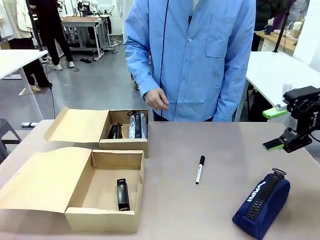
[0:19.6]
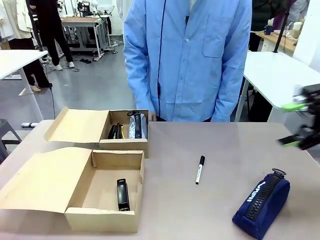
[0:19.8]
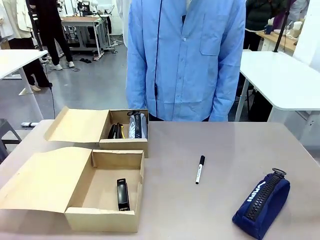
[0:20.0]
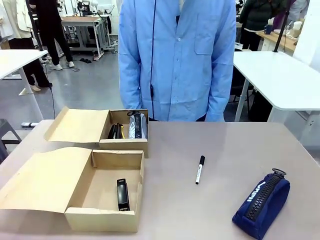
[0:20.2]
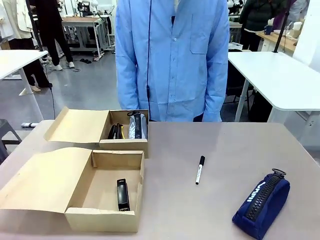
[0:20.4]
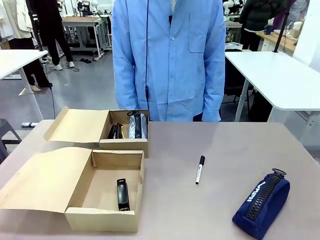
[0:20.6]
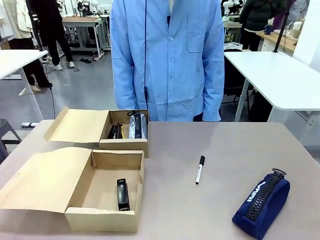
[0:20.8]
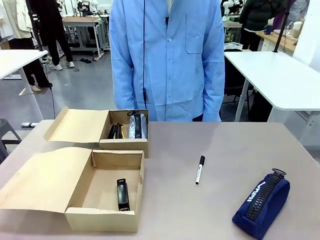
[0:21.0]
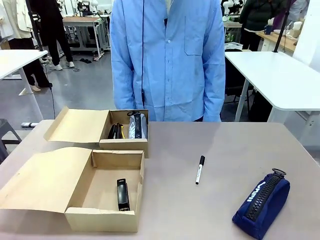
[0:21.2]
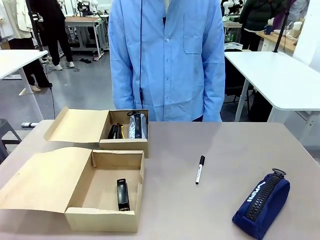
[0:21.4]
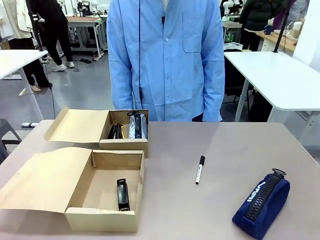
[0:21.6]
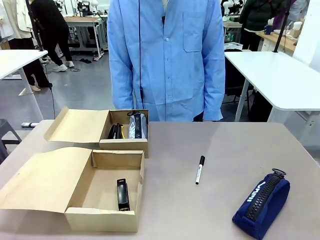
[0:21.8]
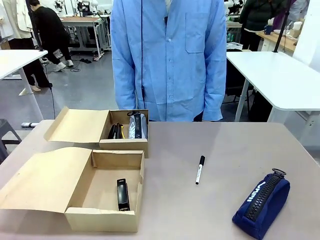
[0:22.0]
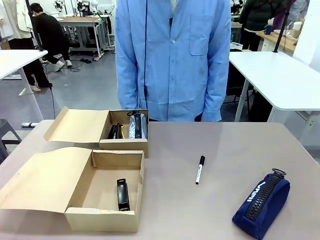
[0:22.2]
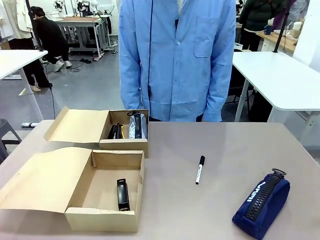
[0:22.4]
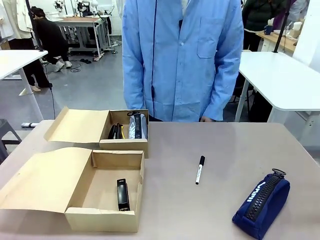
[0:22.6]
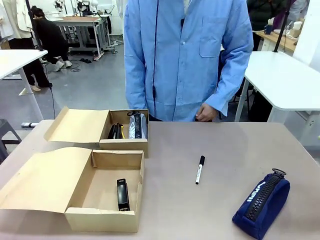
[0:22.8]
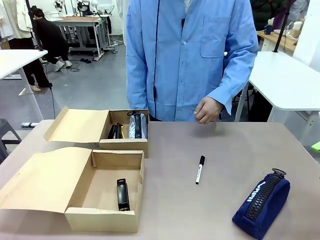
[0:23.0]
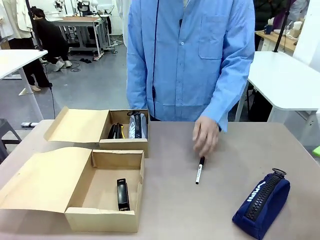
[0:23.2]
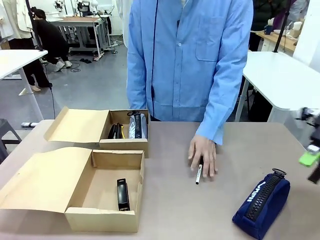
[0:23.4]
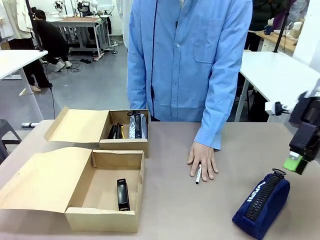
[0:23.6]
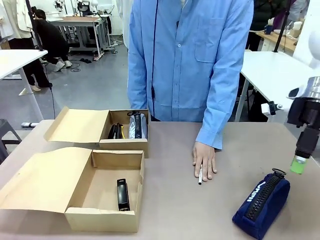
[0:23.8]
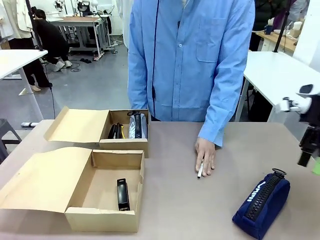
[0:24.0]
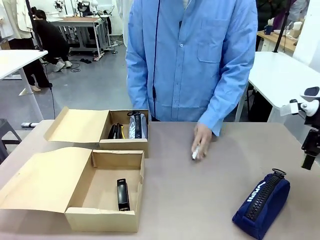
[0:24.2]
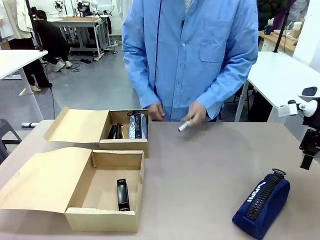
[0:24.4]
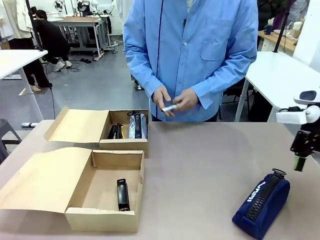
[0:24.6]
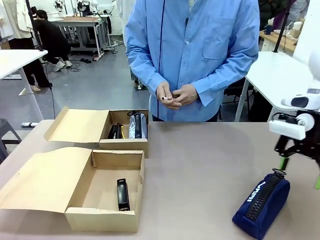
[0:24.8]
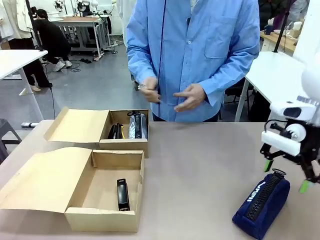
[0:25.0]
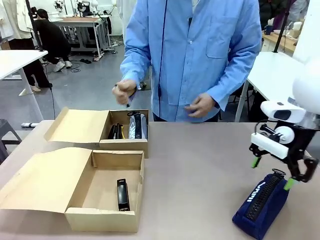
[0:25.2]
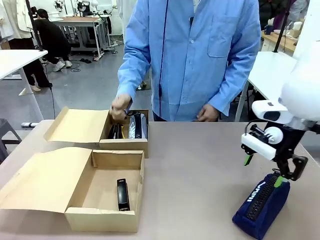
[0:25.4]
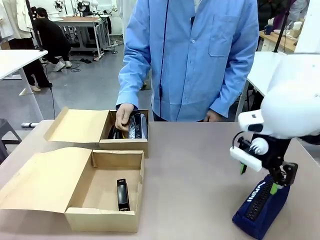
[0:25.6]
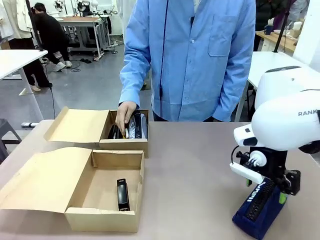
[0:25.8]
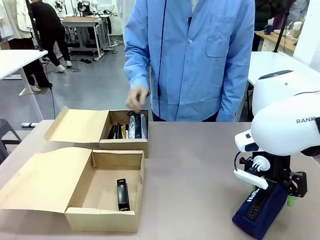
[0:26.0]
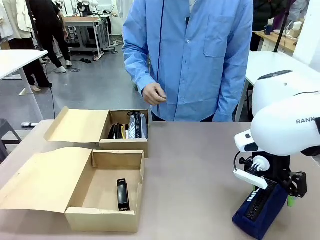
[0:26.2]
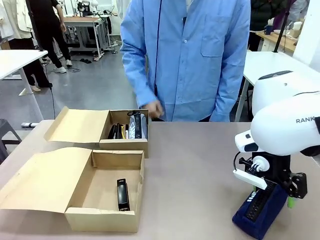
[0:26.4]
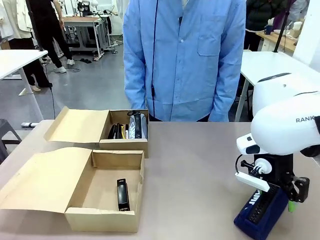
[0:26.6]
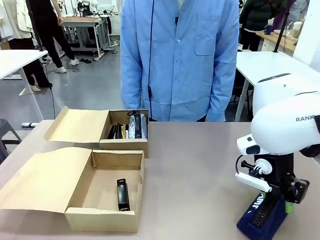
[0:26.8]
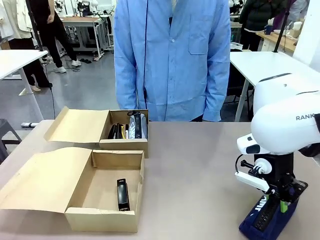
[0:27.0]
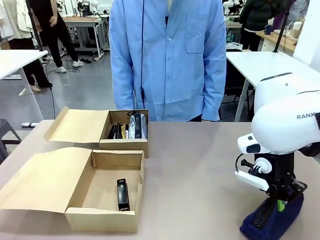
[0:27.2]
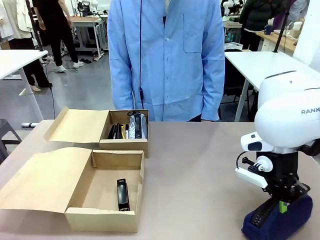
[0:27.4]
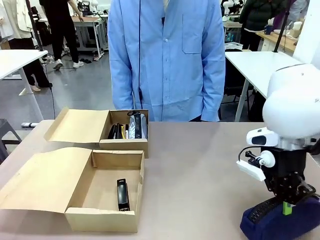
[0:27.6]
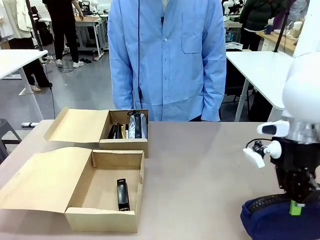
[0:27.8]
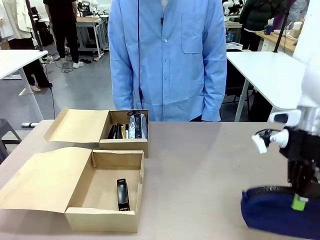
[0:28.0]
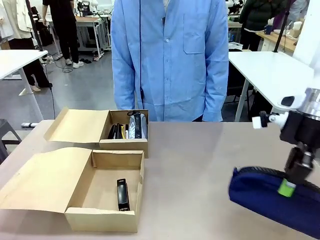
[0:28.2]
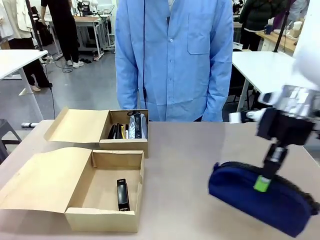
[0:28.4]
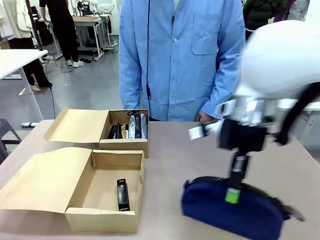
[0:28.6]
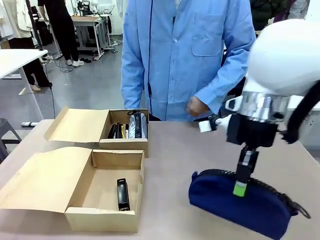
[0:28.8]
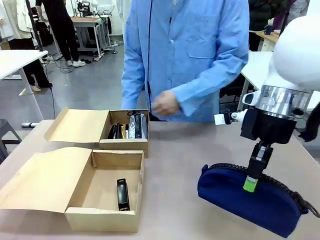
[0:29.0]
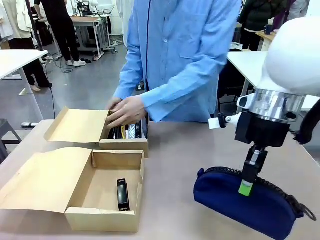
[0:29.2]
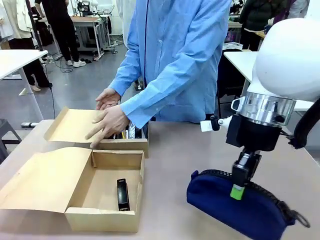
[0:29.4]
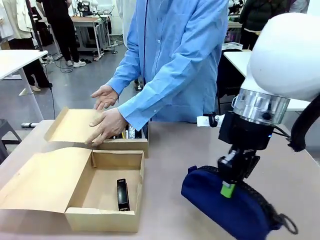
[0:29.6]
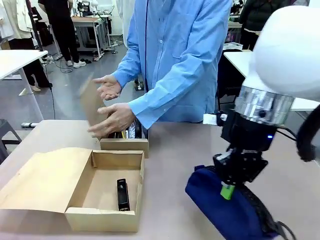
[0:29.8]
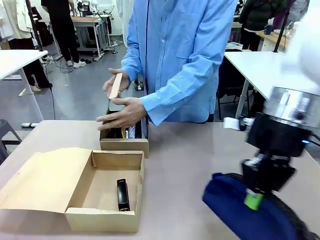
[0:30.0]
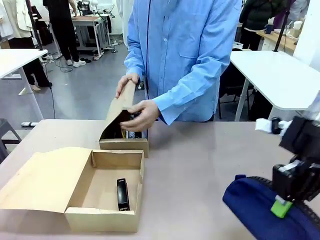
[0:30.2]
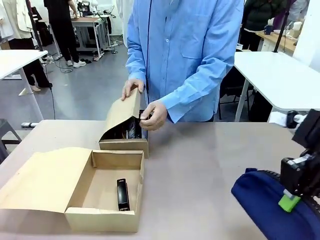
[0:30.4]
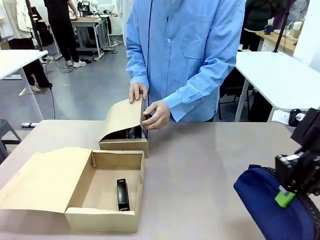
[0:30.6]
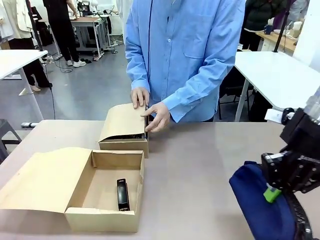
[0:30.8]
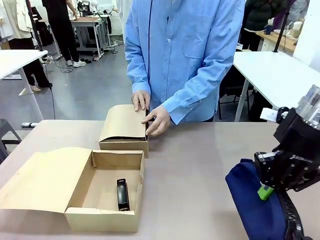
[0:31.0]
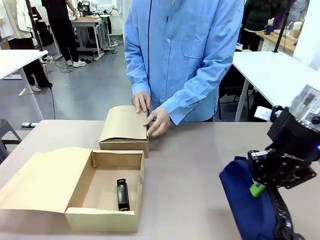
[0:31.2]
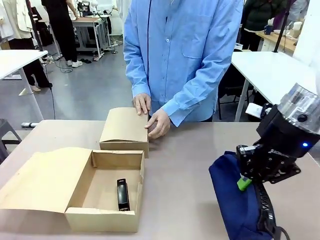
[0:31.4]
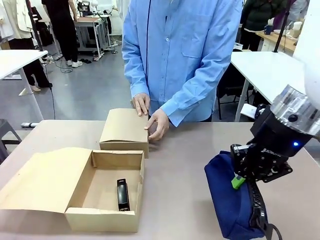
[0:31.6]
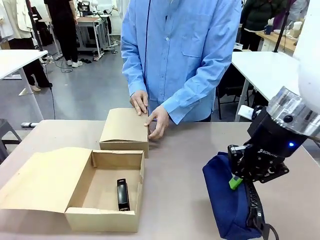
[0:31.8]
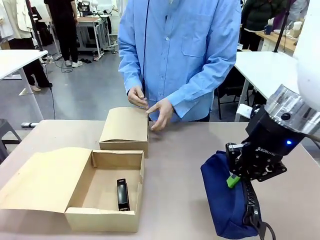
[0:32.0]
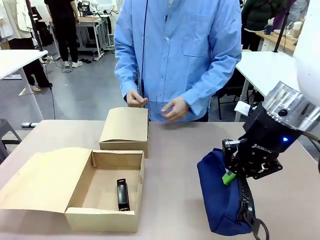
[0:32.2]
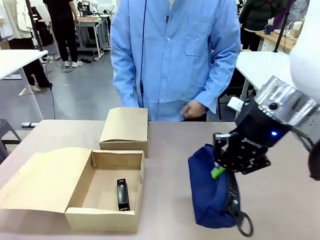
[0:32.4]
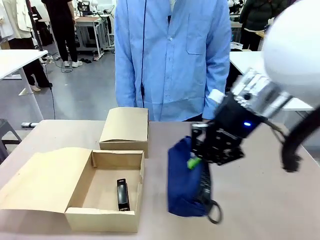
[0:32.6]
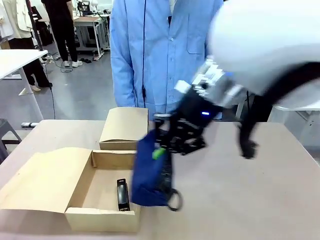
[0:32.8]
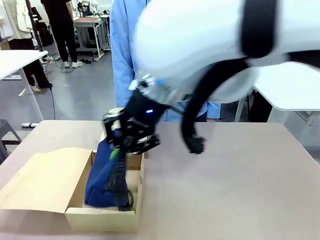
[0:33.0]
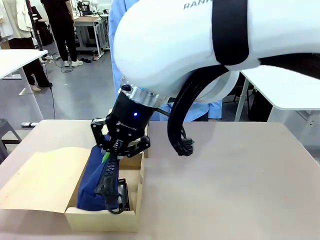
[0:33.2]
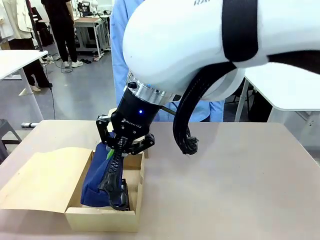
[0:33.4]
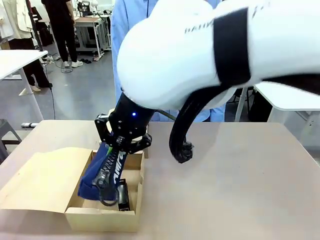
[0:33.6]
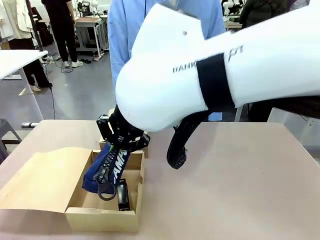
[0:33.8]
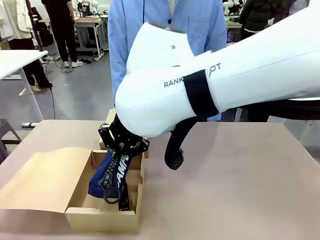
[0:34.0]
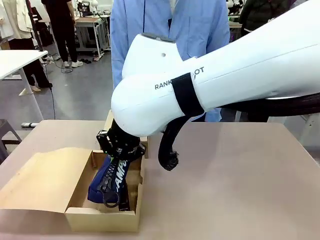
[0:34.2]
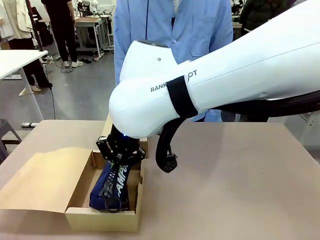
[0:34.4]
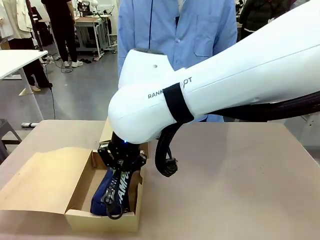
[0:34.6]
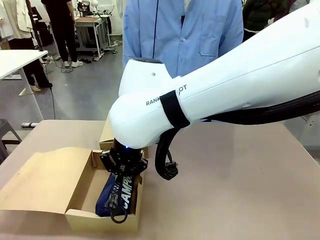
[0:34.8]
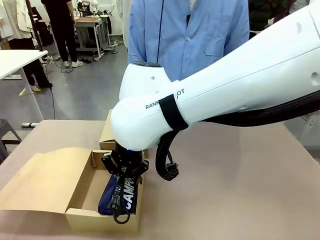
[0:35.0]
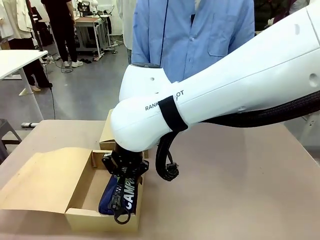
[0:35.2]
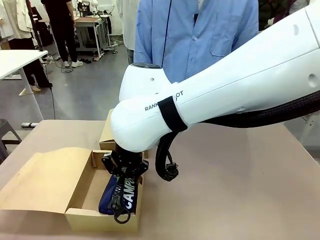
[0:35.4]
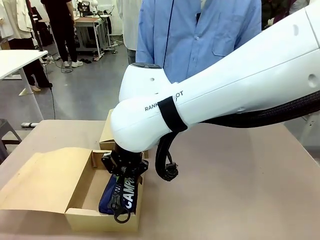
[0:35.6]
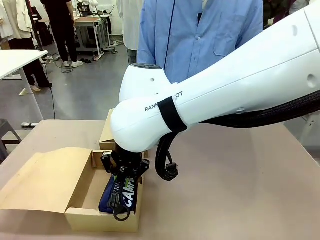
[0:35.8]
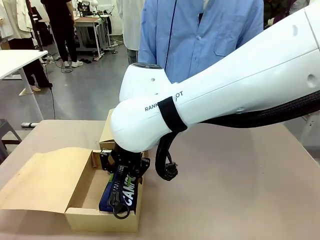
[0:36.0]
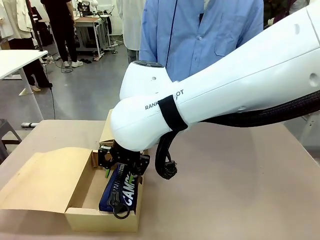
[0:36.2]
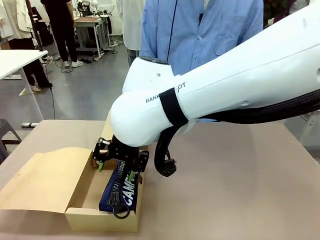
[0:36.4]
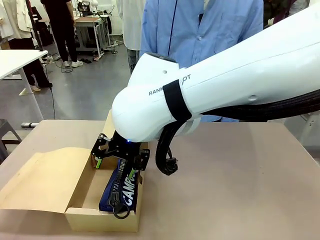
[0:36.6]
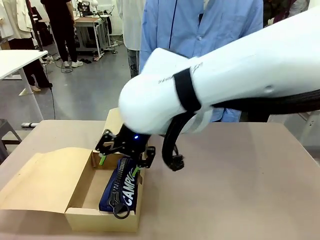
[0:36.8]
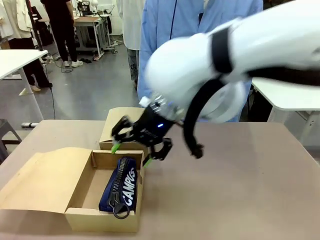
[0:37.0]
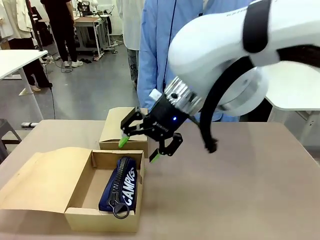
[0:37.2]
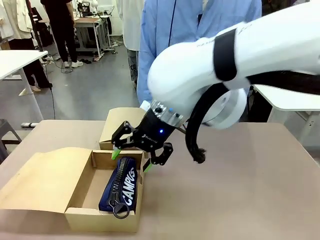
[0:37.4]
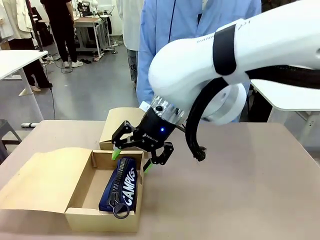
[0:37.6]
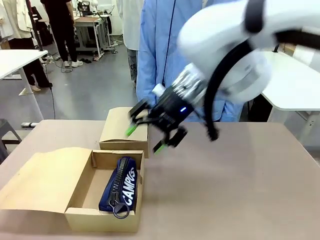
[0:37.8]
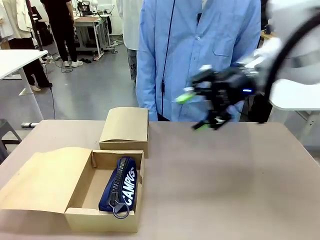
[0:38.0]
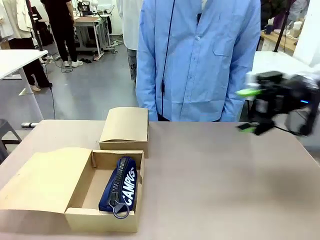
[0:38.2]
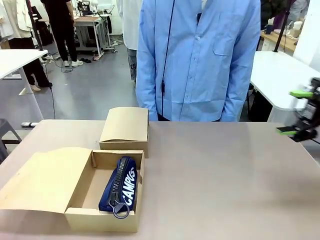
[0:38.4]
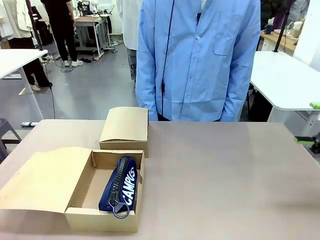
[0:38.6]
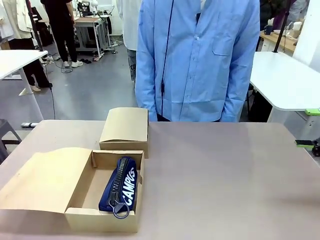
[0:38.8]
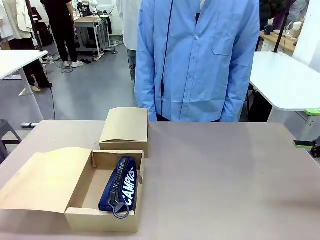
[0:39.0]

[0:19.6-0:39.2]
Task: Place items inside the box.
Robot: Pick up a Pencil pouch or Stapler and place it inside the Mailer Box closest to the robot.
Person: Close the lid of the box facing the person.
